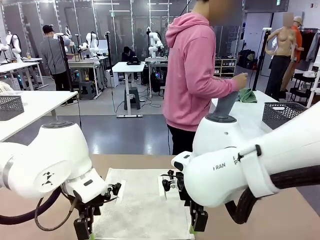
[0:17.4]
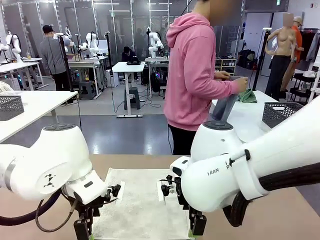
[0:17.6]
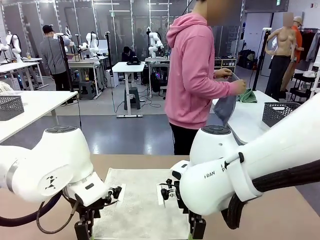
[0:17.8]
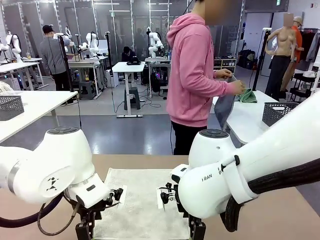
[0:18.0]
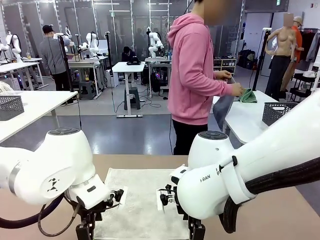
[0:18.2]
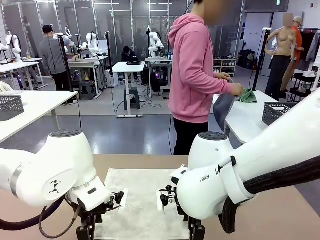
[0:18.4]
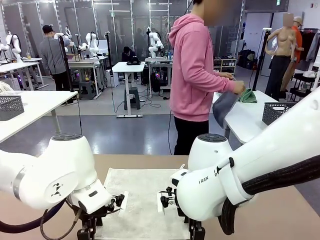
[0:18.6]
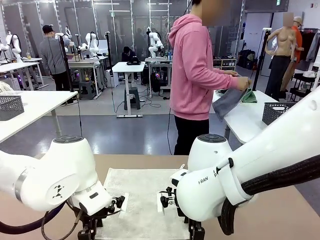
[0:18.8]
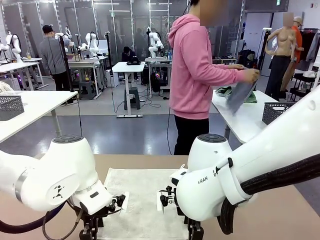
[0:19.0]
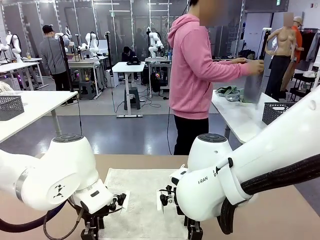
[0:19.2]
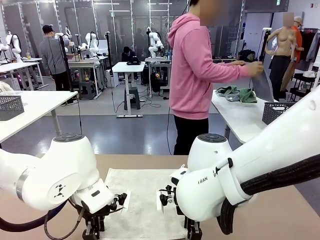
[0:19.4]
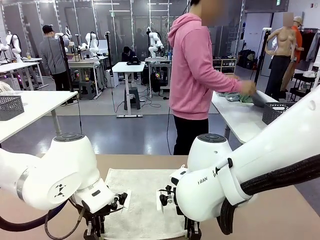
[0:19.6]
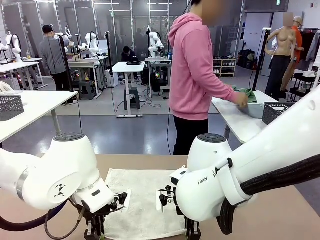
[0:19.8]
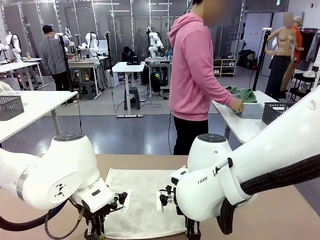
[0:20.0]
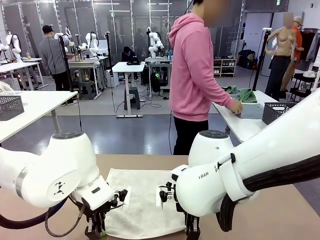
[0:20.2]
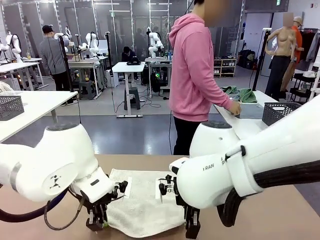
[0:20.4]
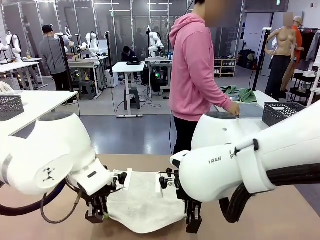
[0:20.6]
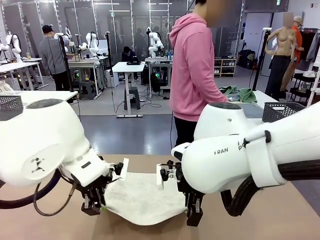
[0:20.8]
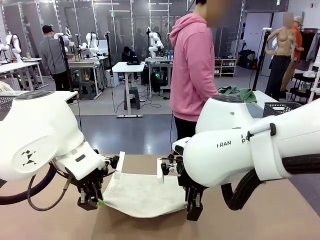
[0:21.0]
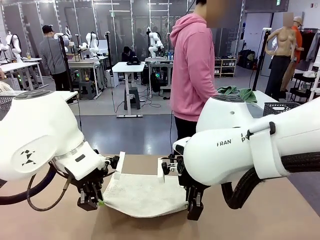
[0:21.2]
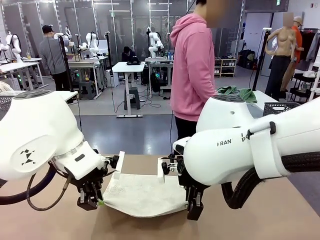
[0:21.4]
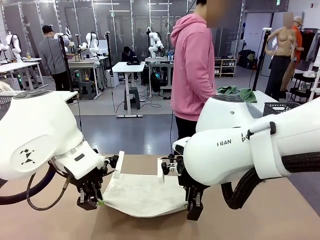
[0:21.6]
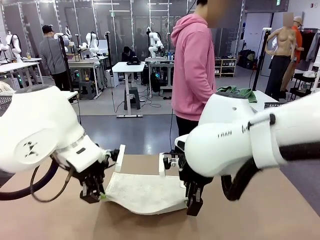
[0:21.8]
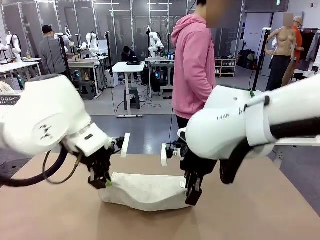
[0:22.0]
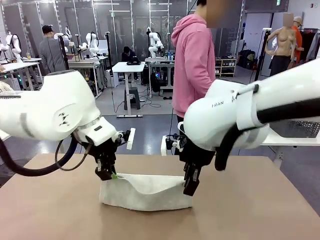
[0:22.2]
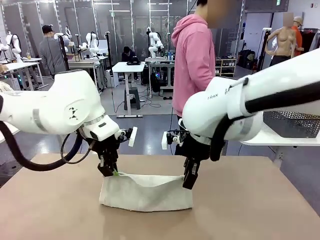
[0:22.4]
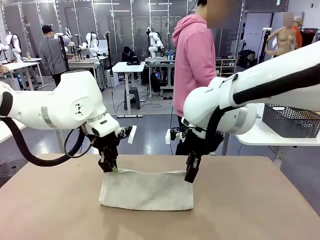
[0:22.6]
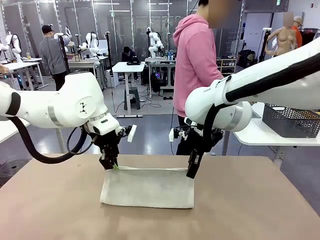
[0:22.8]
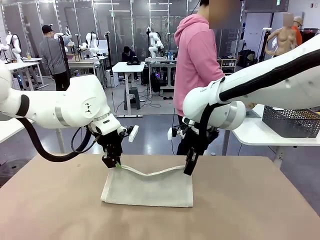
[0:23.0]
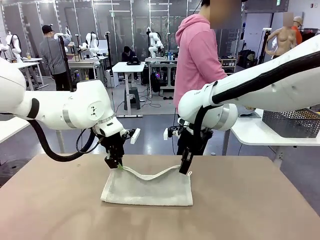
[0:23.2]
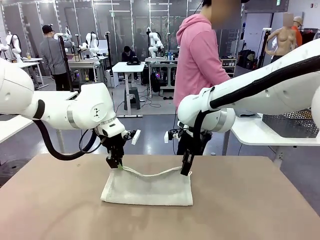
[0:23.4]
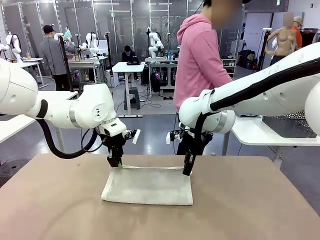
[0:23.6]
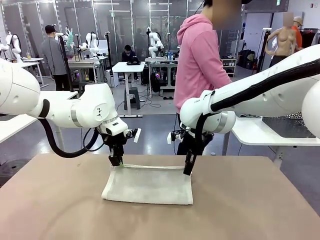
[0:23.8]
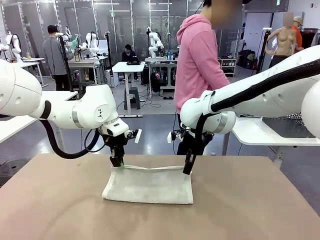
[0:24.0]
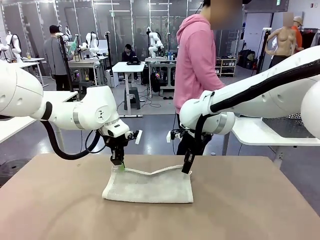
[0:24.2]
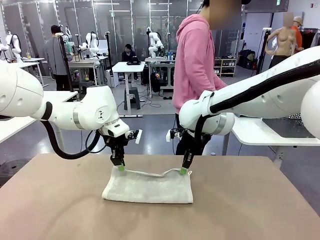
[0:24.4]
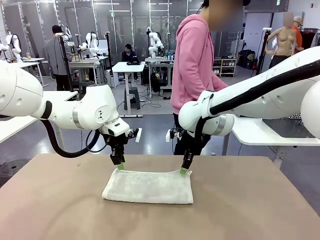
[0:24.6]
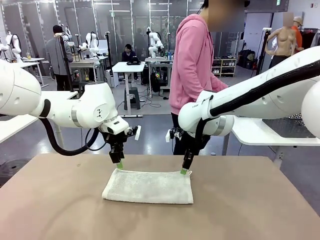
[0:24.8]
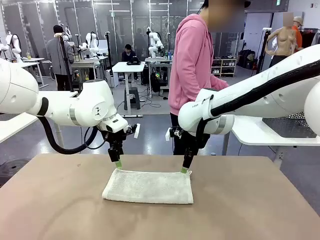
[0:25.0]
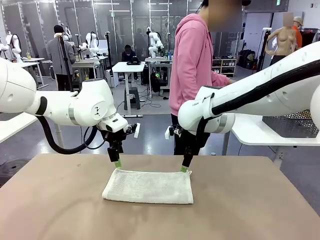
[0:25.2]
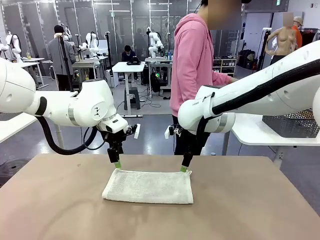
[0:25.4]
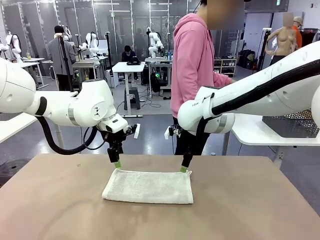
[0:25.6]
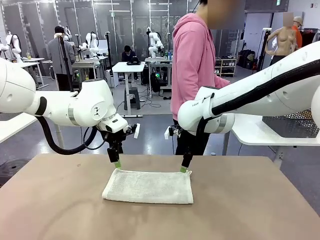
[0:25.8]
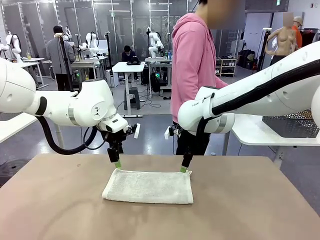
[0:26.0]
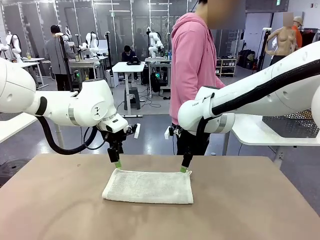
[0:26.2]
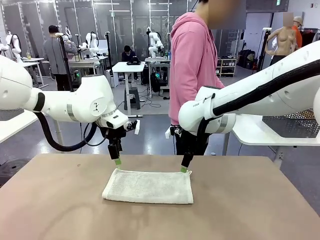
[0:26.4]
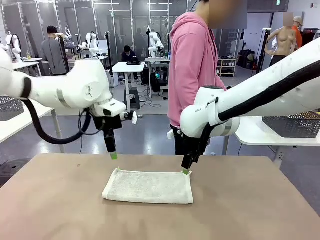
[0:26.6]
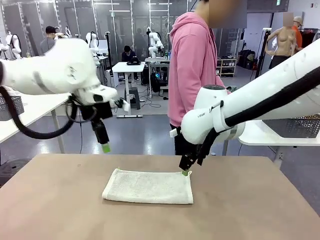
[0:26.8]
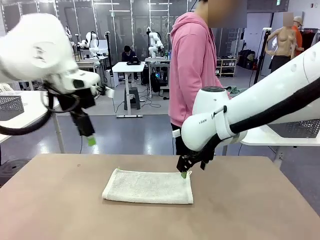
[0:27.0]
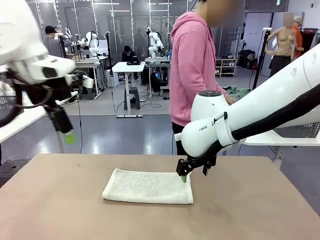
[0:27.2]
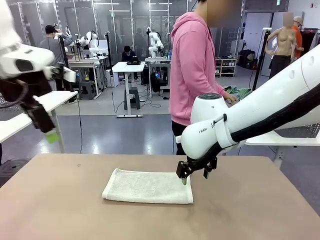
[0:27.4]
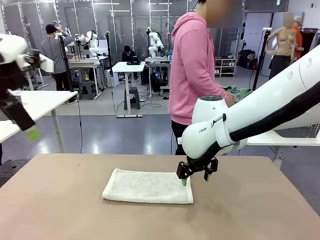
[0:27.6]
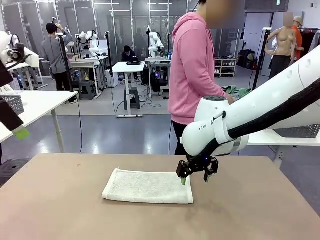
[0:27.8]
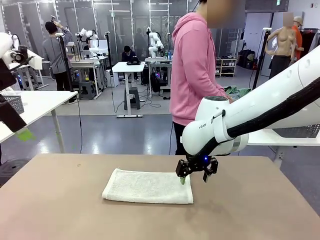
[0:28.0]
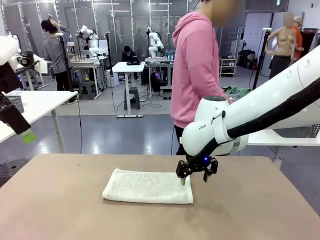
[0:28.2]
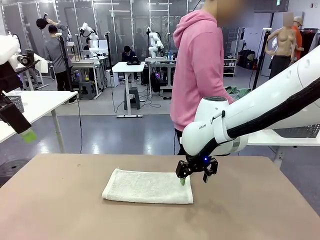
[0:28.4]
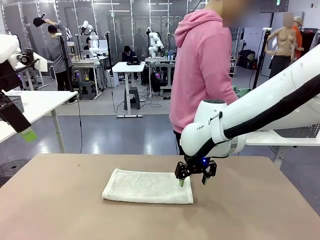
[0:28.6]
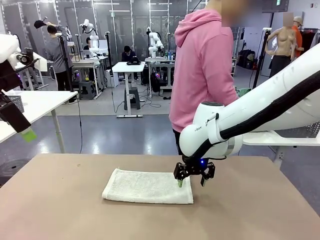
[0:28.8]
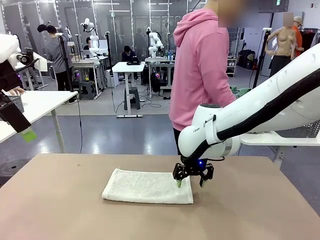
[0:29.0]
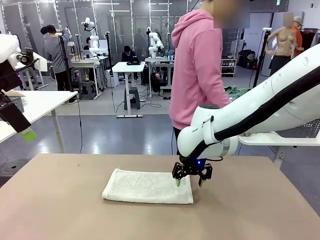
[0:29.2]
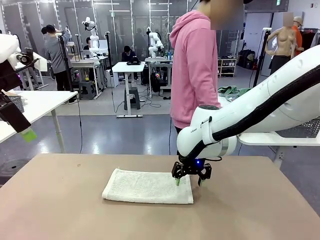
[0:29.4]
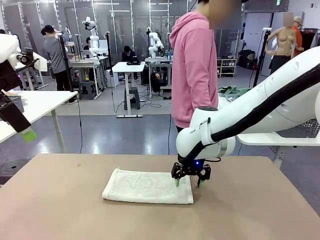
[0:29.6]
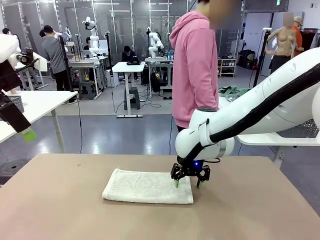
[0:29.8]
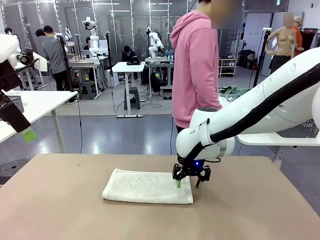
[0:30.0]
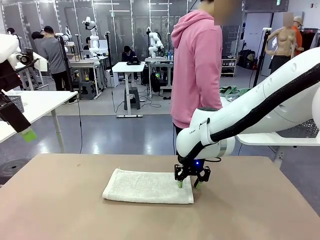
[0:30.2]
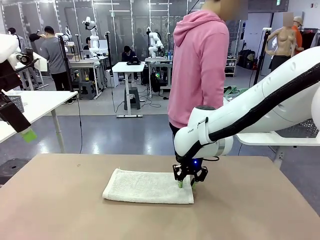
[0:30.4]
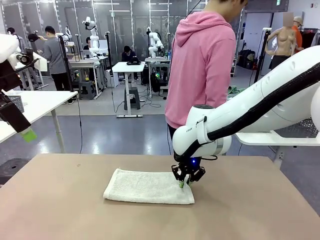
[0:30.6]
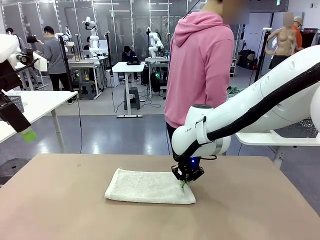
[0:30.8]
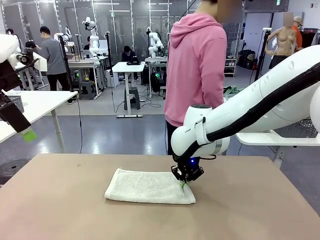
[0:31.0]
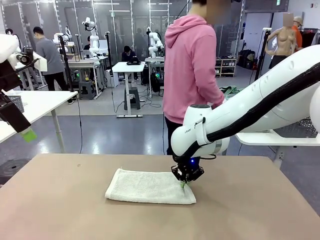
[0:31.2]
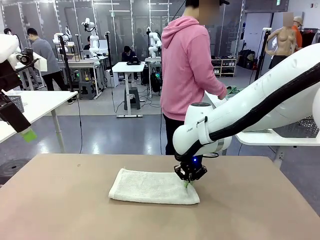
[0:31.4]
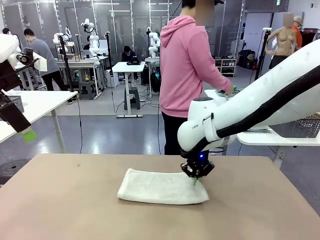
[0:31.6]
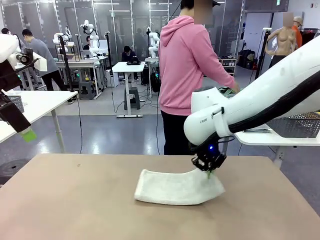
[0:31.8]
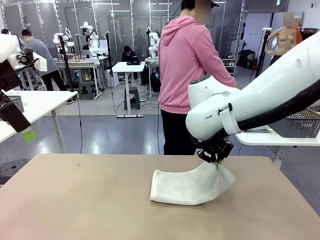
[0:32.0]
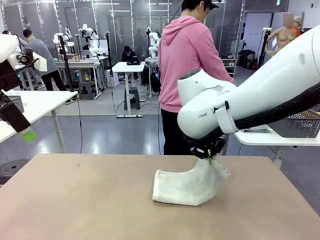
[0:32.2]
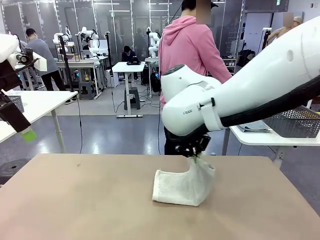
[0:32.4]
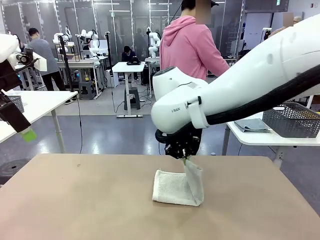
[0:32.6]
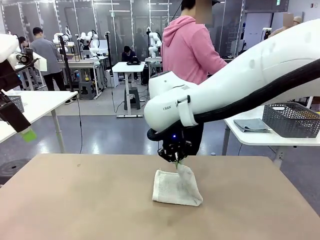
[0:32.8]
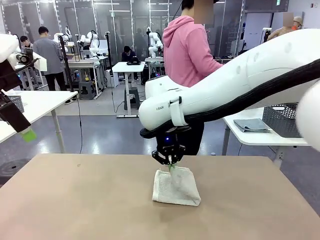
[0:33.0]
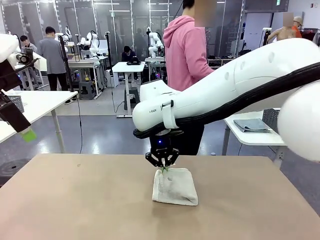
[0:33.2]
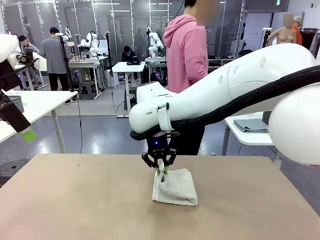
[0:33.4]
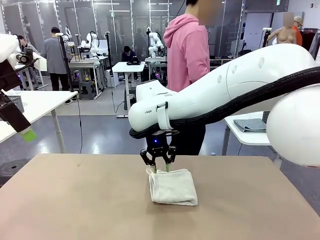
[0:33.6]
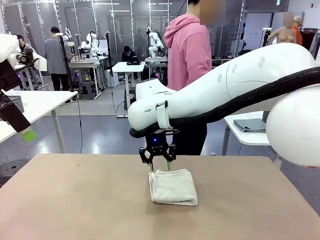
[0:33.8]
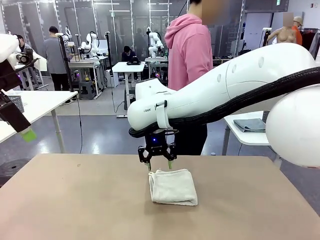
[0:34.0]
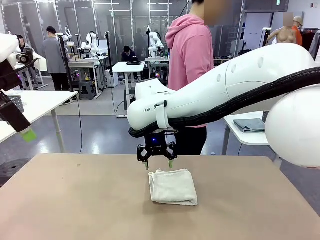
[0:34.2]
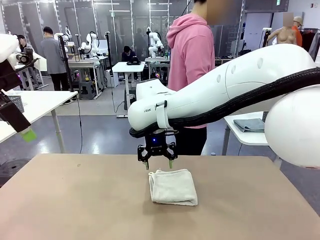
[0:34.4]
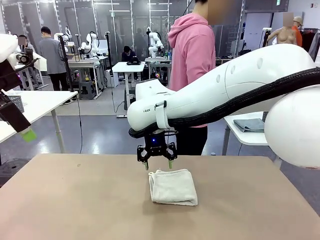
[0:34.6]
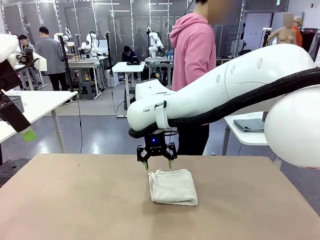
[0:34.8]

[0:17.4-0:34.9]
Task: Fold the towels and place them in the basket.
Robot: When a person lays out a Towel with hook on the table, fold it in half twice.
Person: Pick up one towel from the left side of the human table, fold it in half twice, and place it on the right side of the table.
